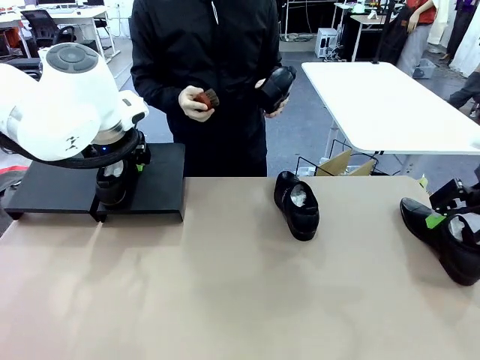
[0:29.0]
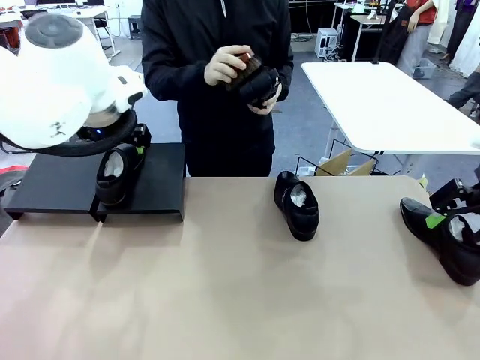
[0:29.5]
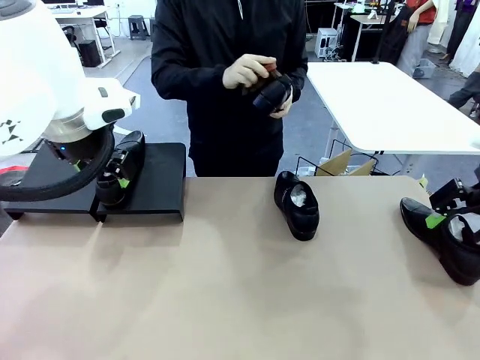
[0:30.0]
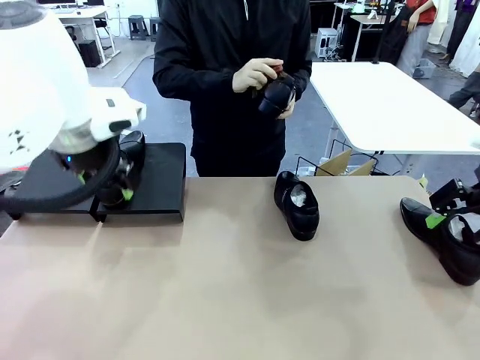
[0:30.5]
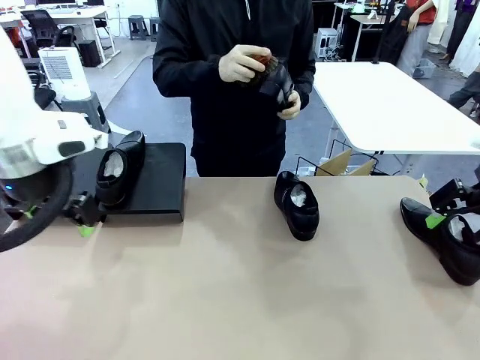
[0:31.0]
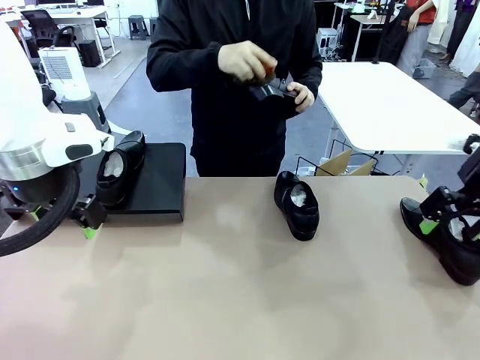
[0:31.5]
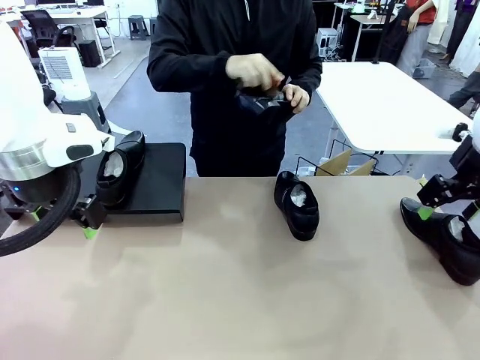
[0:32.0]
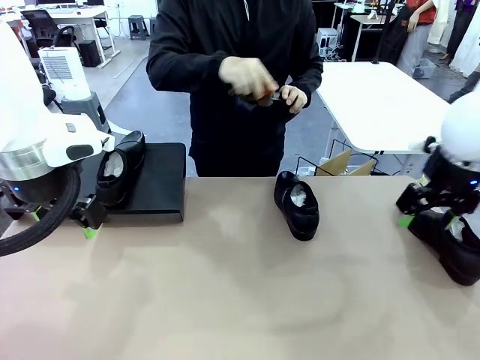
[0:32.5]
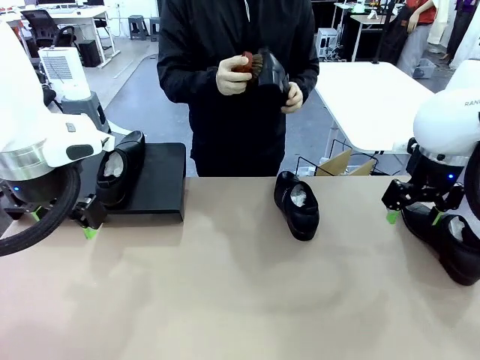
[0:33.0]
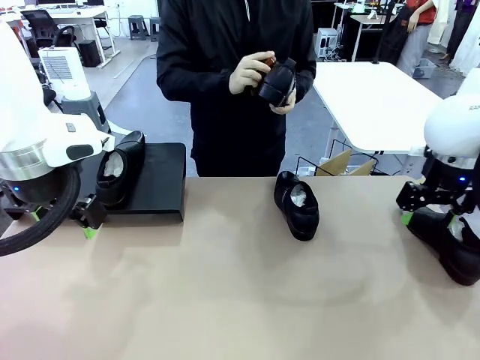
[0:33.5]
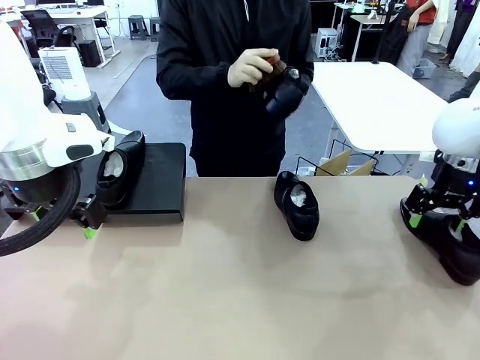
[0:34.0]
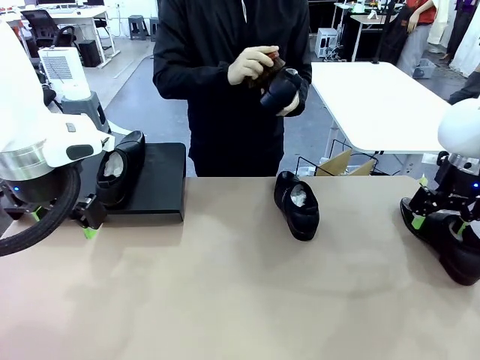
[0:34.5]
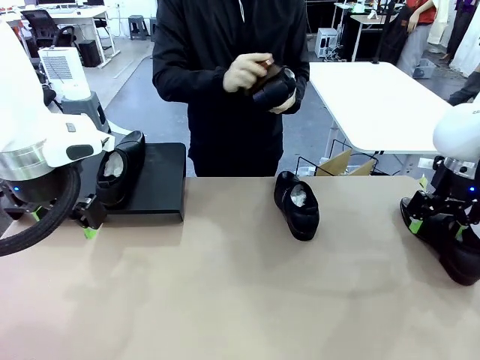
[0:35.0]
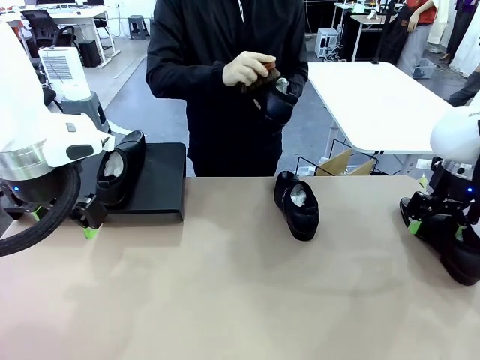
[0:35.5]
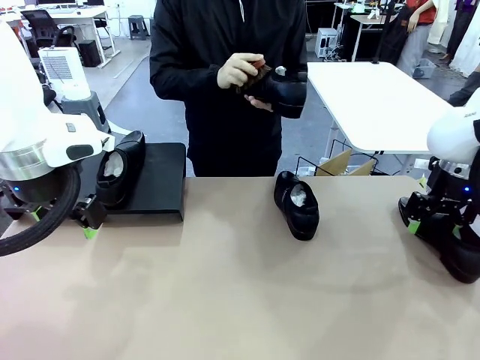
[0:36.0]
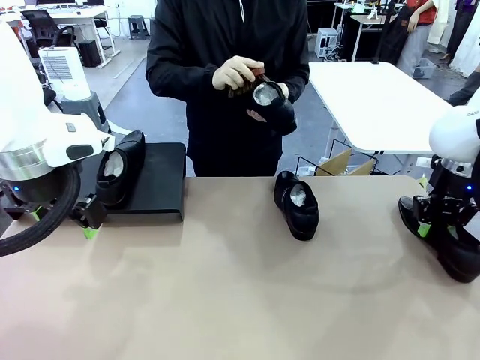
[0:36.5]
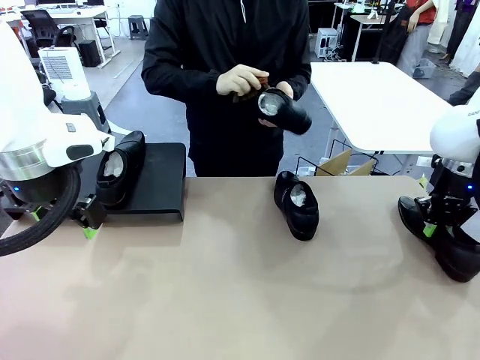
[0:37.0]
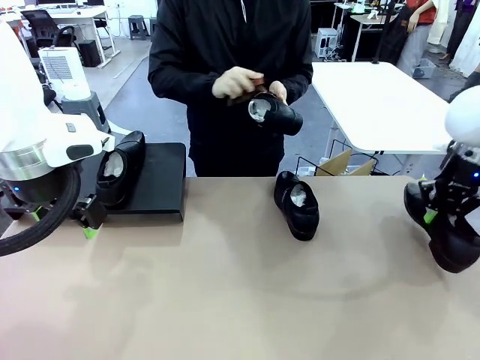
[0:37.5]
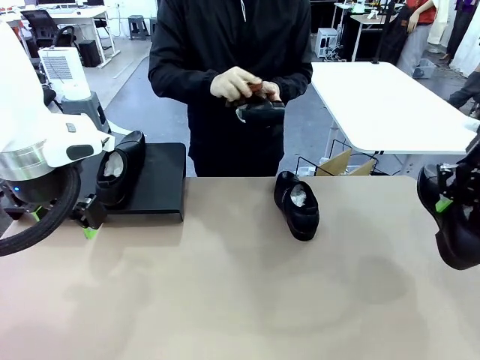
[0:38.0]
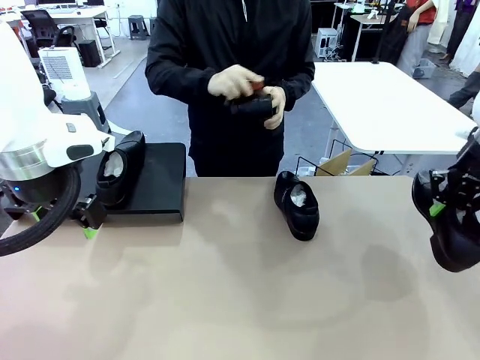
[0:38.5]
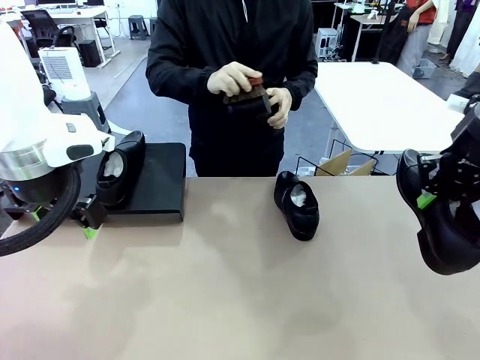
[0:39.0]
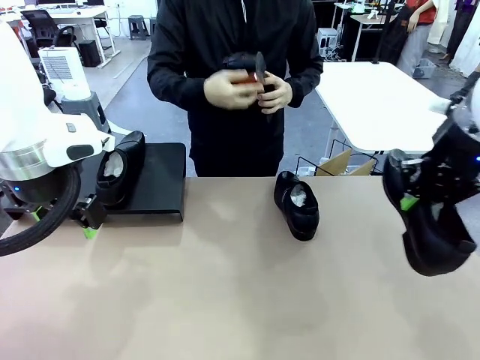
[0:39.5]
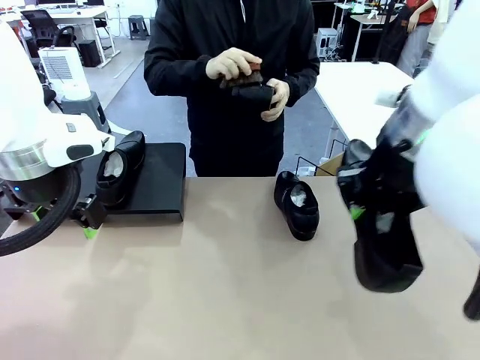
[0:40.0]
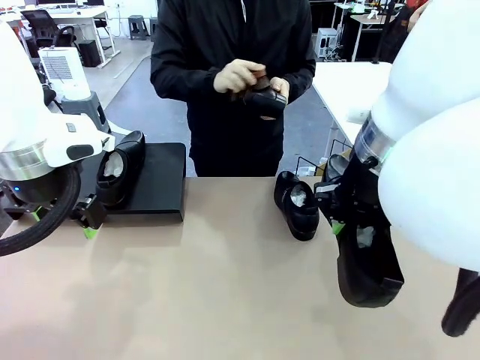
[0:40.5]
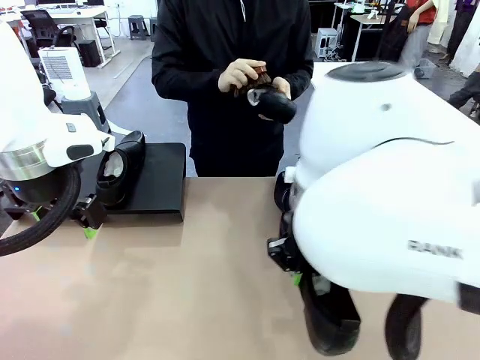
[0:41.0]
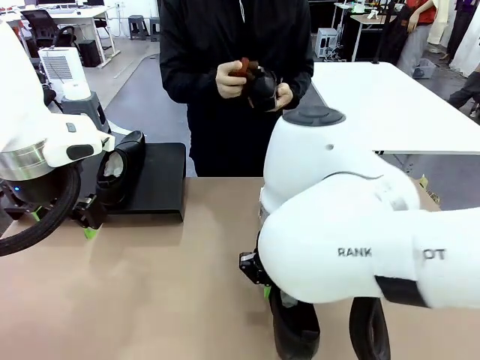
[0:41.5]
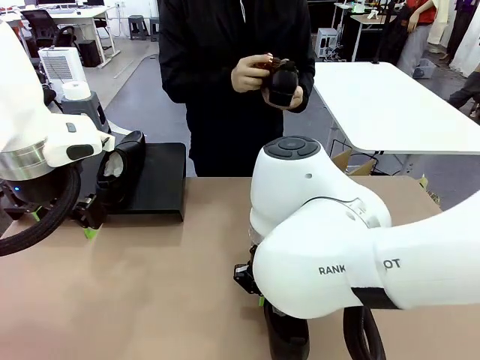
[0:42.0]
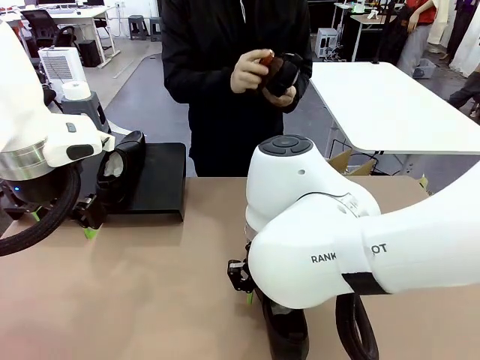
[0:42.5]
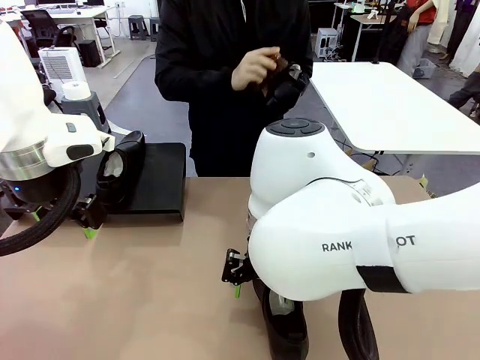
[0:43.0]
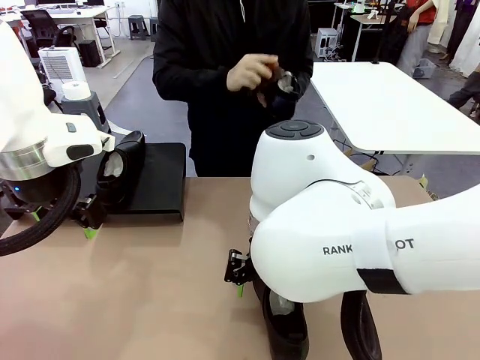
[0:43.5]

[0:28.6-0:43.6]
Task: Organize the shoes by placing them on the stand.
Robot: Pick up one Shoe and place it in the middle of the table.
Person: Clean the Shoe with the Shoe Brush.

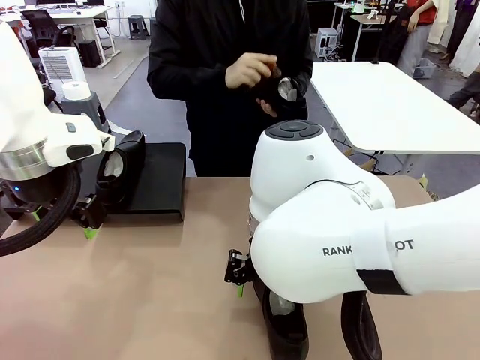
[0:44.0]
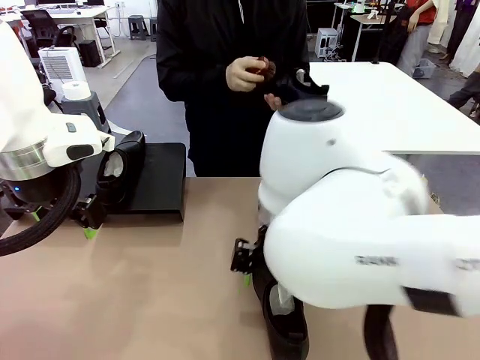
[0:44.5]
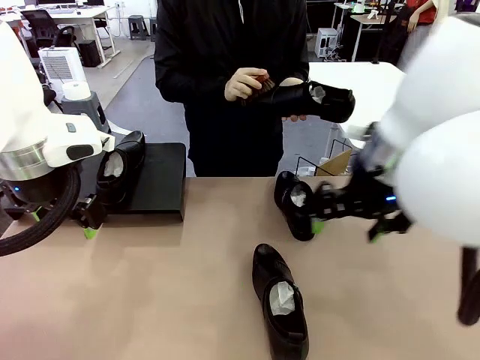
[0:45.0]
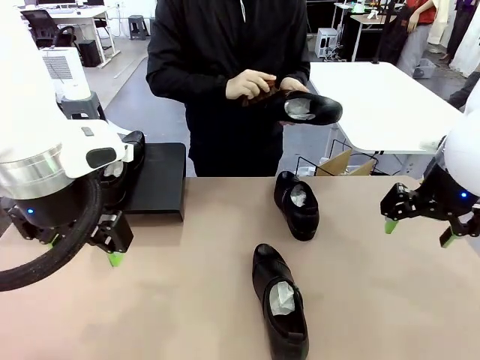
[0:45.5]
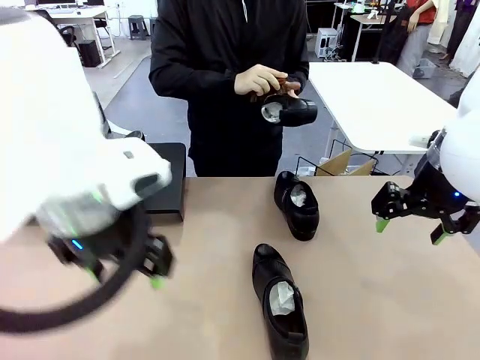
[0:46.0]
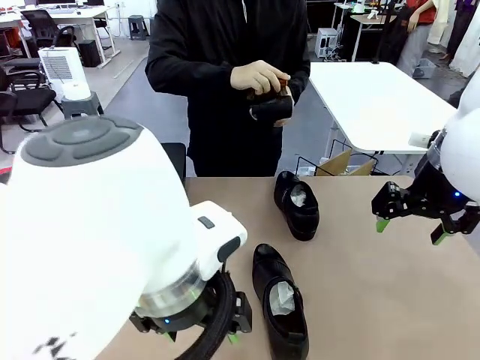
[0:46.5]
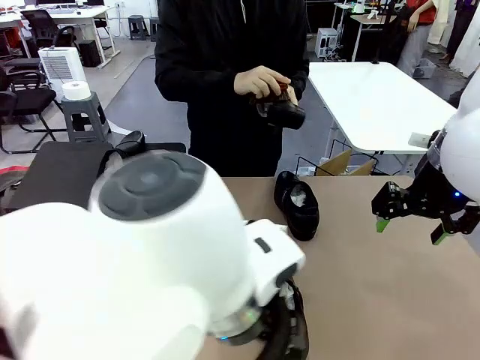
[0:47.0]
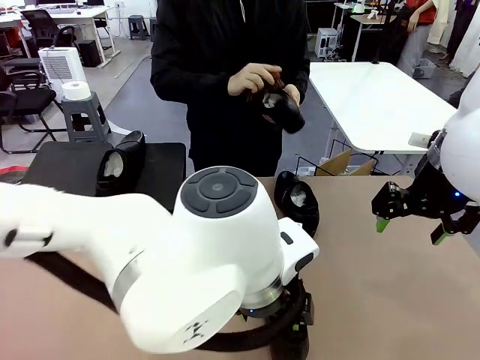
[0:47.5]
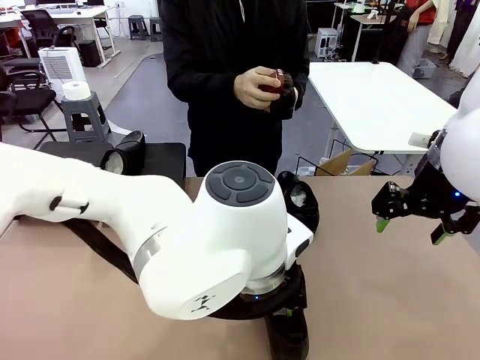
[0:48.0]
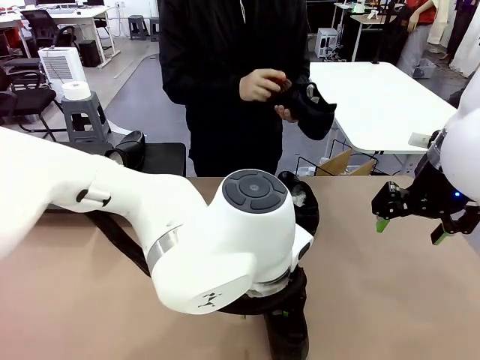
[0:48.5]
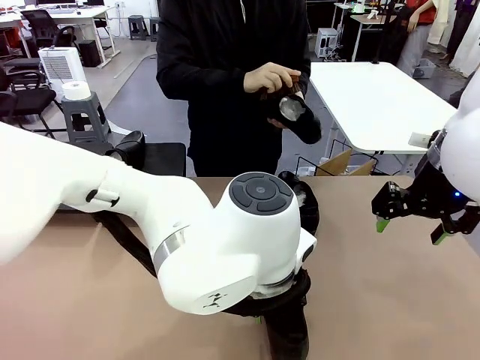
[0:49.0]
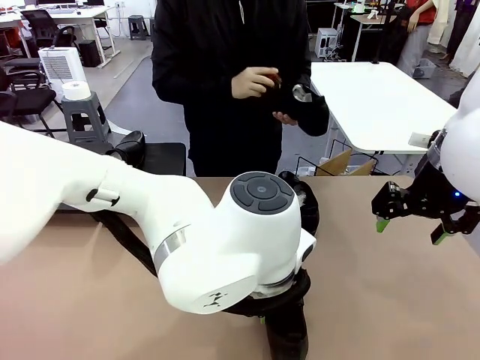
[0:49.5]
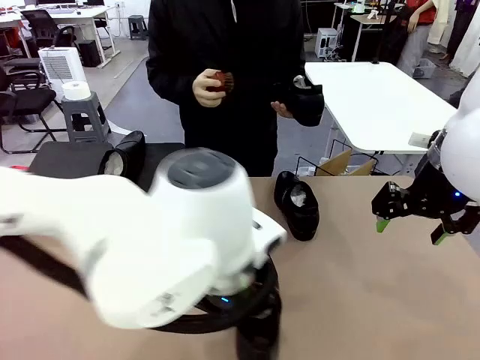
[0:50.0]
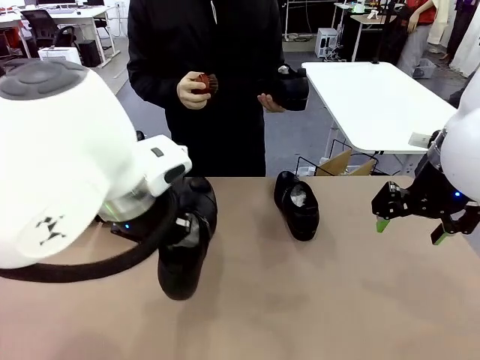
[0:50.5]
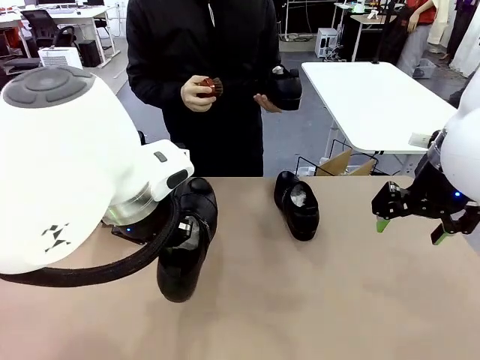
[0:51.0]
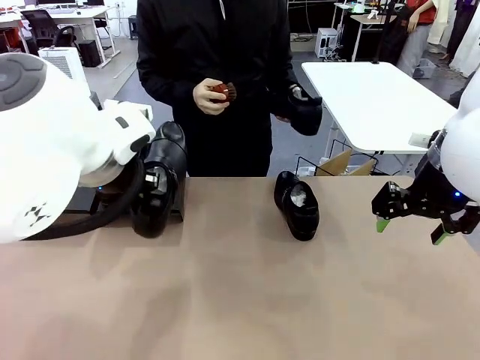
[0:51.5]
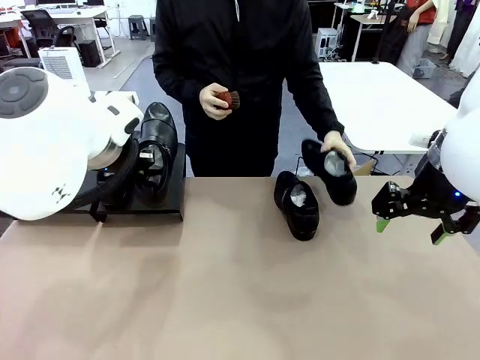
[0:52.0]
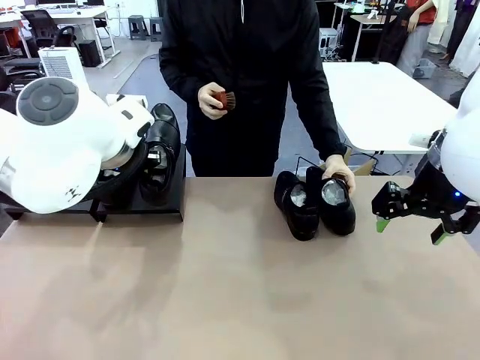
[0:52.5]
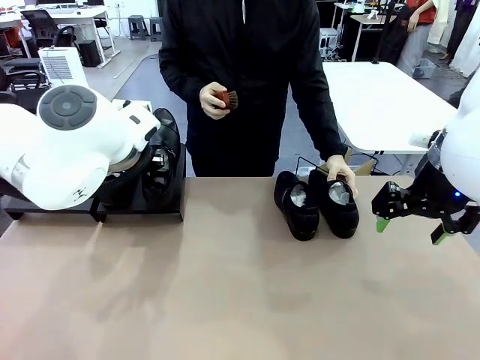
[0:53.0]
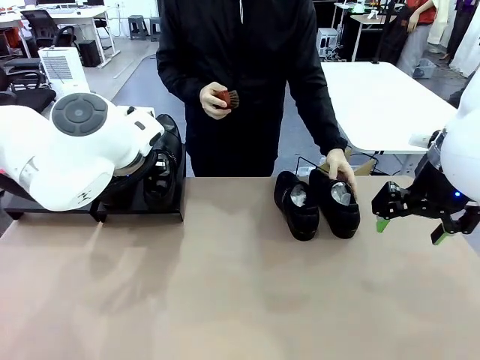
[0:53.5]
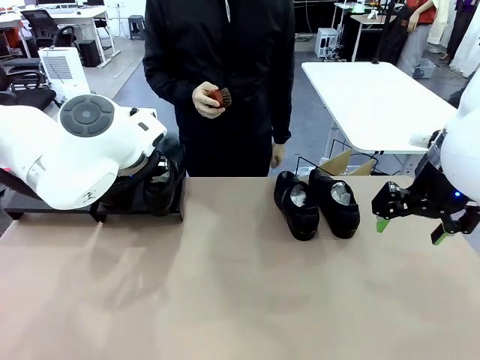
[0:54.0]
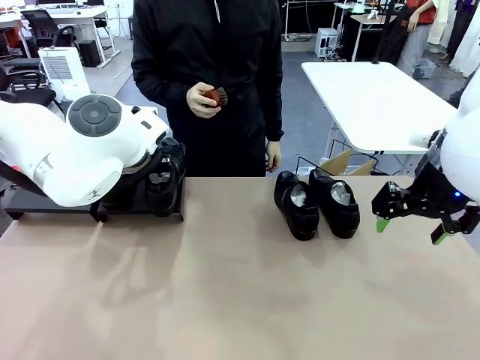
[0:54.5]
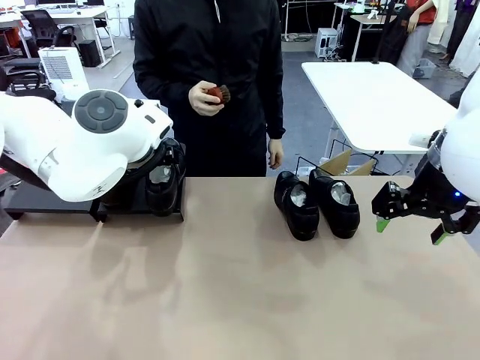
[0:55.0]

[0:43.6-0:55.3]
Robot: Place the Shoe from the middle of the table onto the Shoes Stand.
